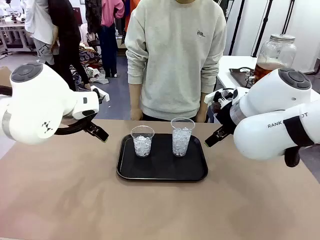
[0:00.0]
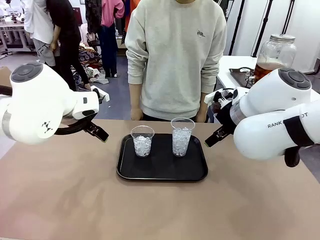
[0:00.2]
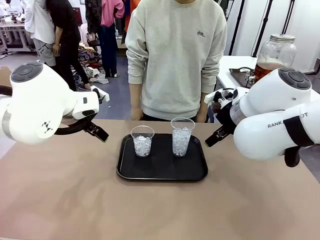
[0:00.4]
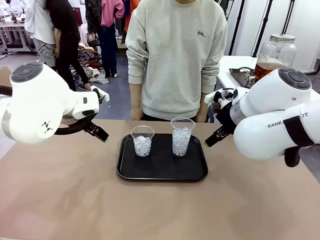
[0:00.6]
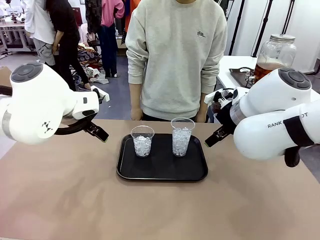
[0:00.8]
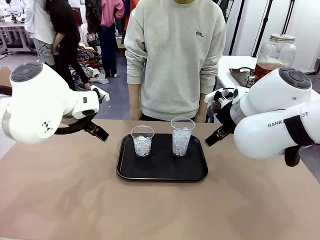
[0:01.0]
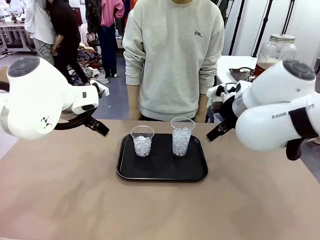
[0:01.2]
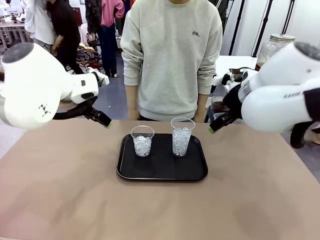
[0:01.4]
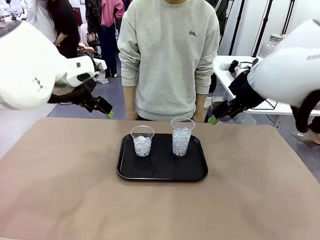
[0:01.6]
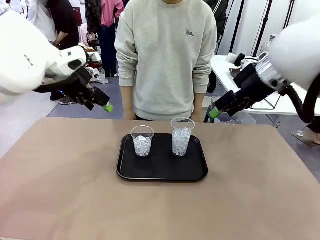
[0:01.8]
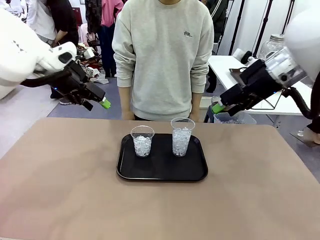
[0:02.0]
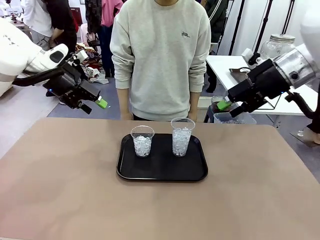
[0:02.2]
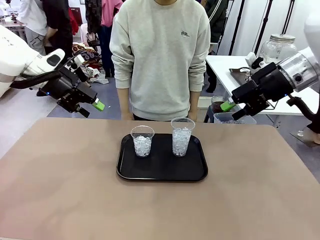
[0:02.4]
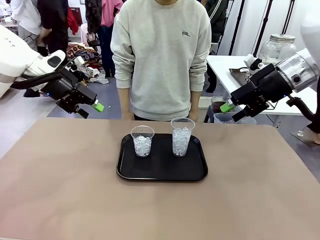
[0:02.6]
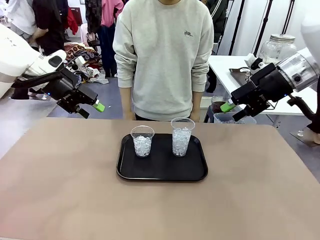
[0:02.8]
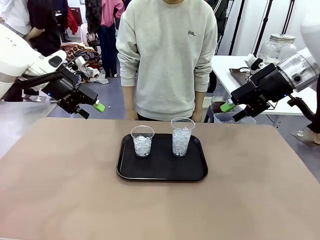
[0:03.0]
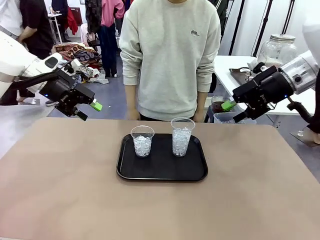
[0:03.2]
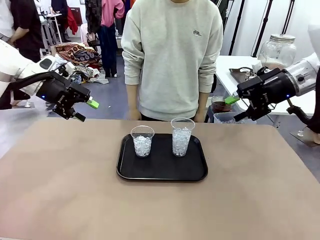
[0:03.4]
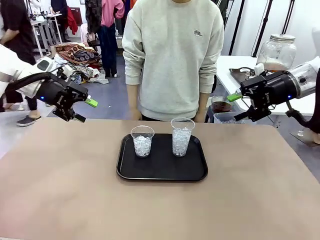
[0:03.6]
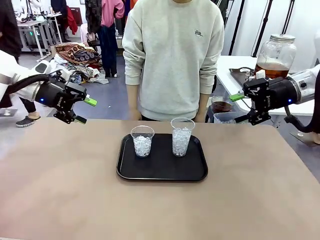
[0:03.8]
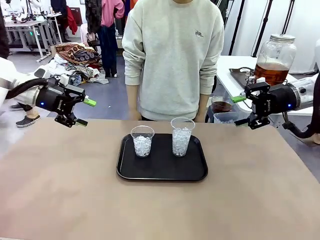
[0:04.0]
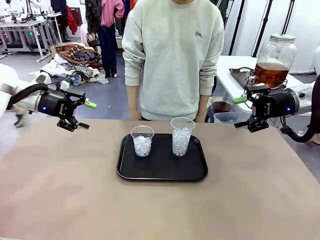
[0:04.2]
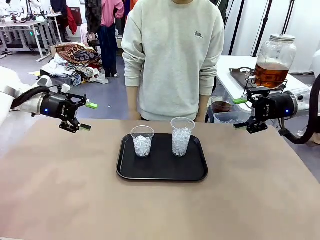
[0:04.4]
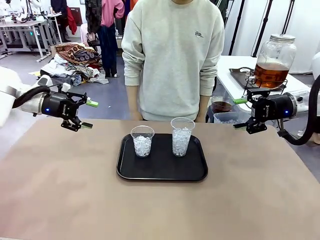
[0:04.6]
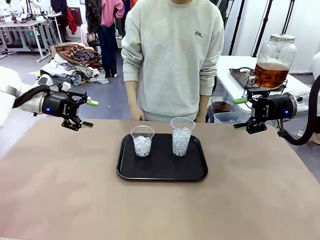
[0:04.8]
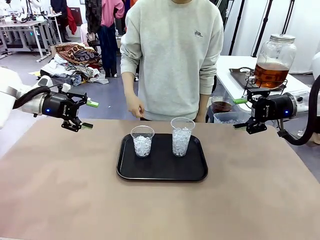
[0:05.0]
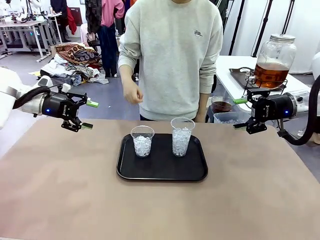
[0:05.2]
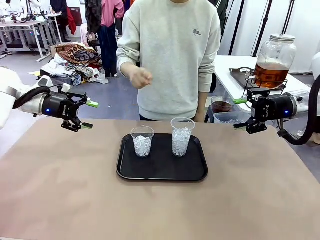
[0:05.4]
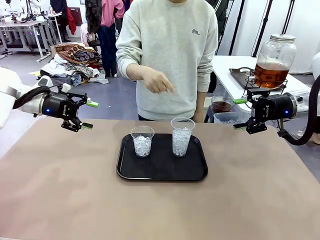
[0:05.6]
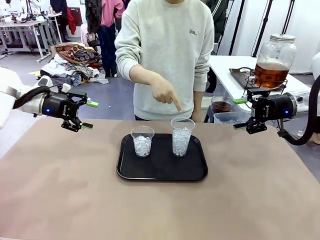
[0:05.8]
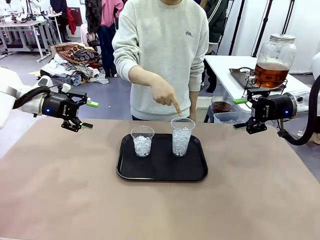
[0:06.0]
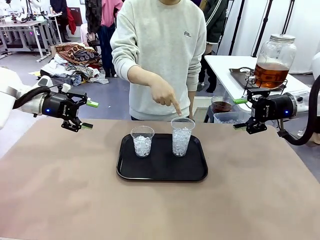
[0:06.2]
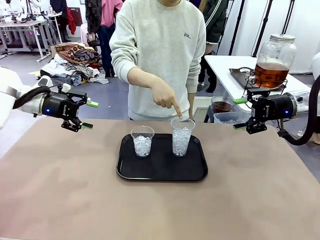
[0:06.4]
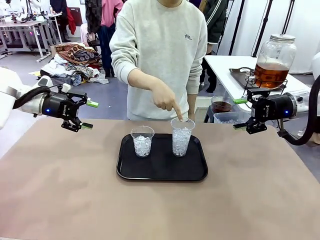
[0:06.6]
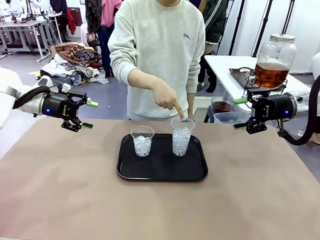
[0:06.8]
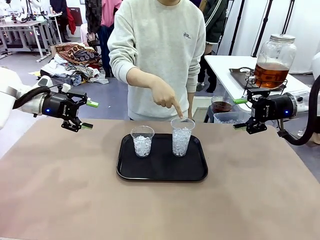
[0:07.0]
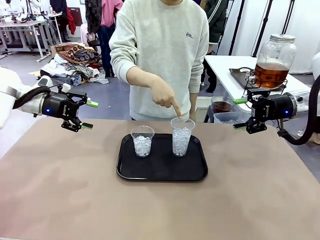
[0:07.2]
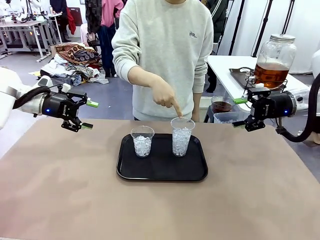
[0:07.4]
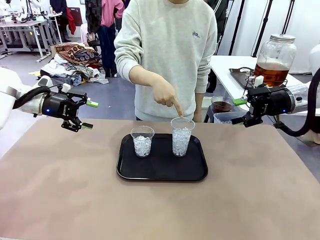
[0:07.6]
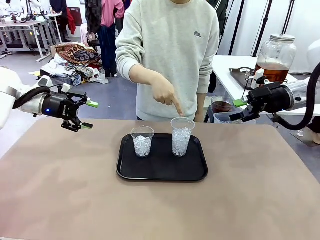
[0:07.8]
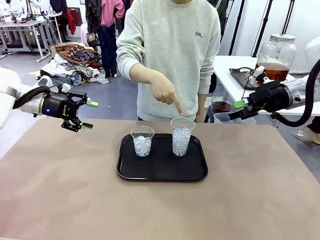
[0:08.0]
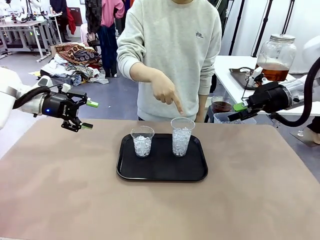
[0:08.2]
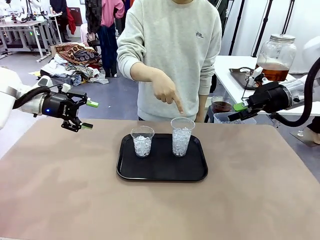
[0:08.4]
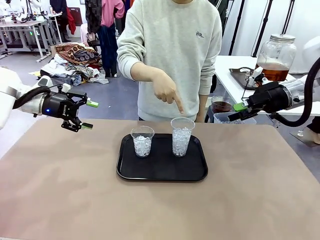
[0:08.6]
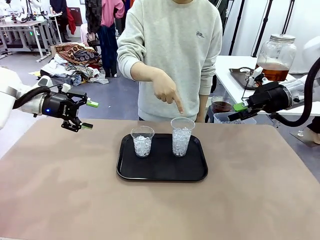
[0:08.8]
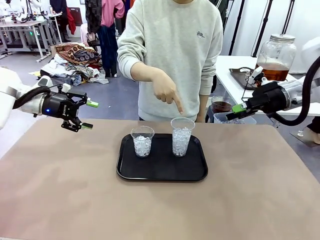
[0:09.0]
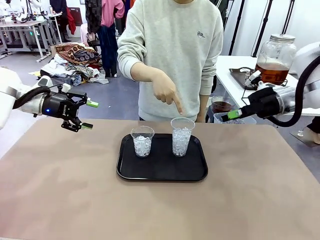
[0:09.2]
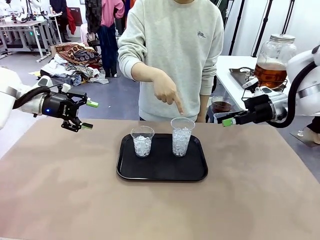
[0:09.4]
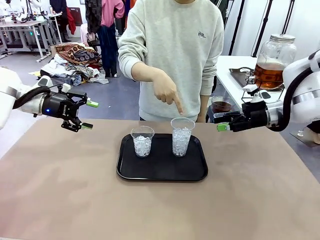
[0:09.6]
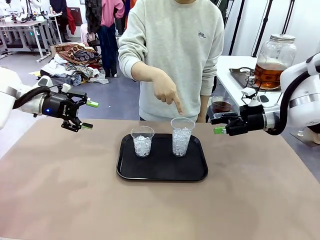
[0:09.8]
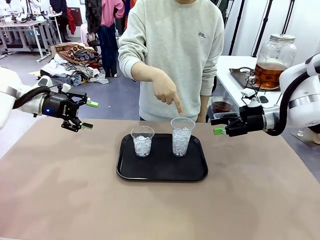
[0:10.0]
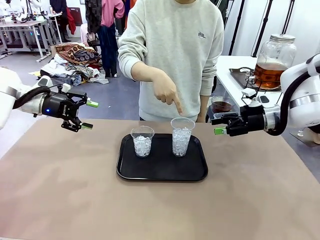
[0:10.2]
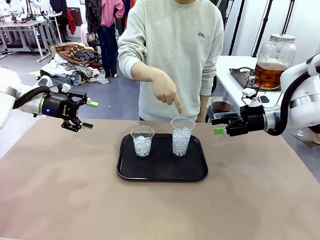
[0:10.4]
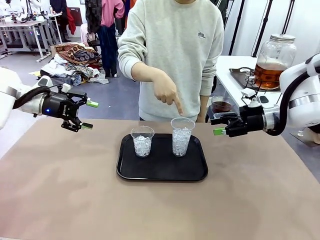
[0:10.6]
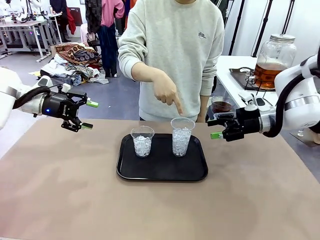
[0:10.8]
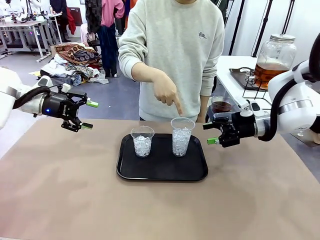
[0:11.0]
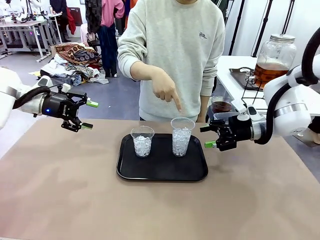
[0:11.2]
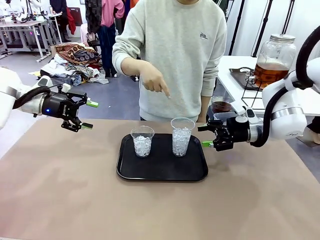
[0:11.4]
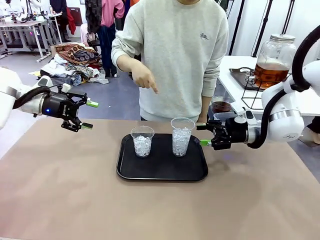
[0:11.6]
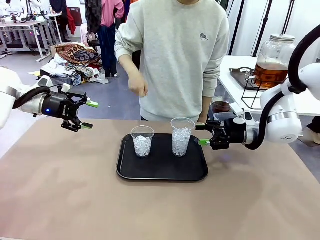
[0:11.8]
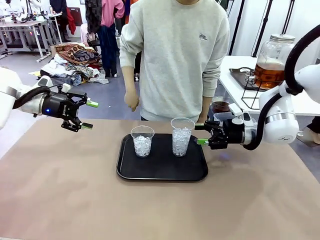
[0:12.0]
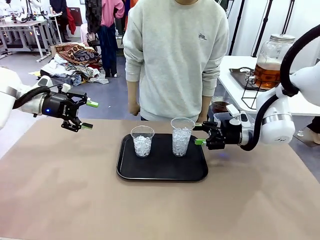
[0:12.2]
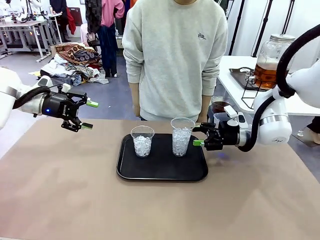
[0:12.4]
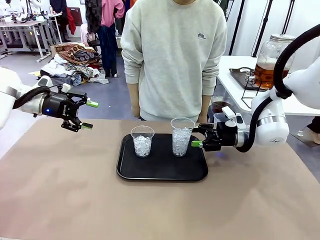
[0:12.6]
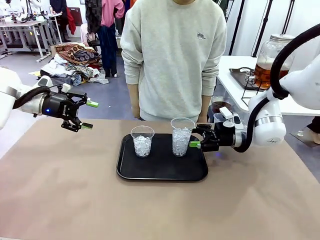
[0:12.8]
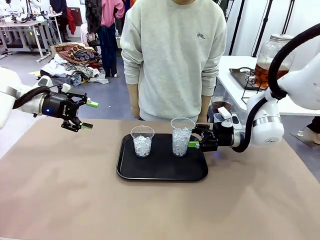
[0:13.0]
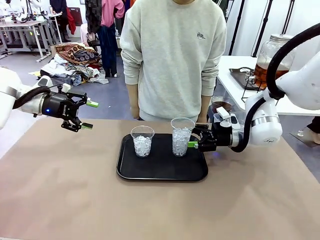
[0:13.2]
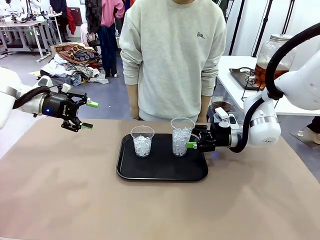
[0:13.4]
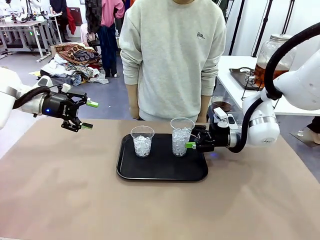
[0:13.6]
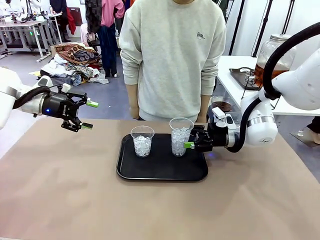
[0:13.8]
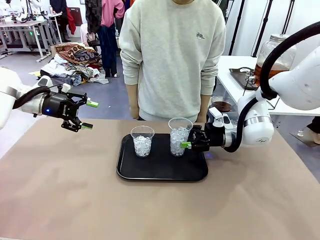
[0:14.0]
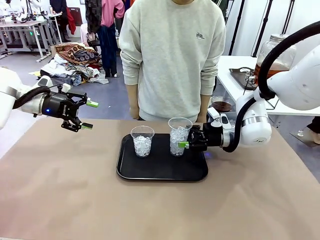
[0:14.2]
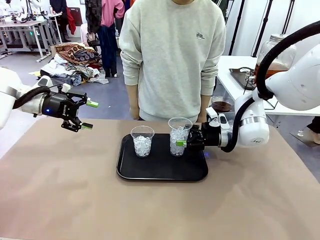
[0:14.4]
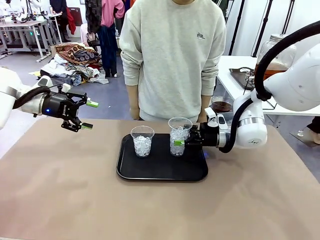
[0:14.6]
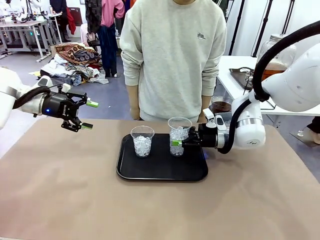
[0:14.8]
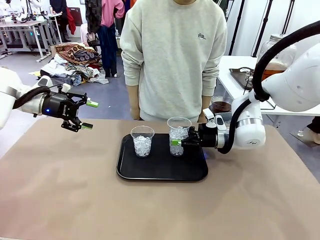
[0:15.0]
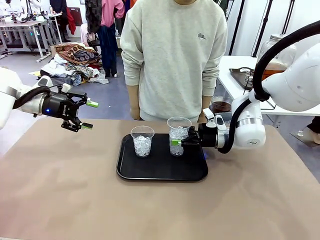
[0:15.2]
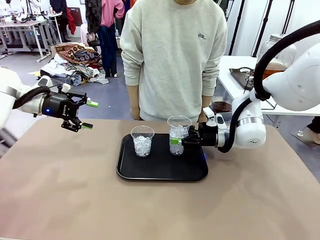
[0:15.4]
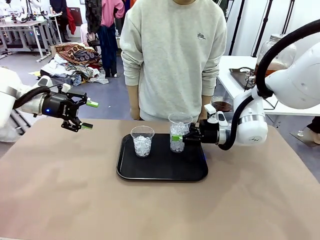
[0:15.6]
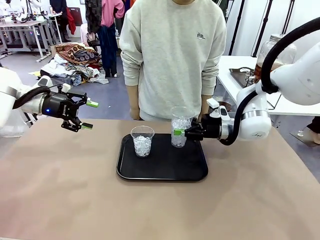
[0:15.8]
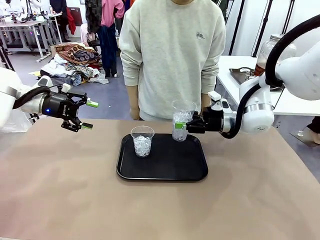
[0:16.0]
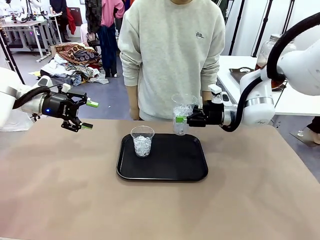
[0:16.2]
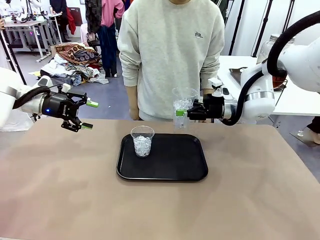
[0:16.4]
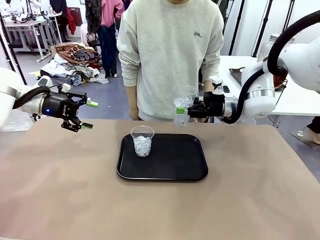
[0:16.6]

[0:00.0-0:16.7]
Task: Pour the drink into the iced cup.
Robot: Pick up the iced cup indicated by the human and present it to them.
Person: Point to one of the two ice cups. Pick up the cup offered by the robot.

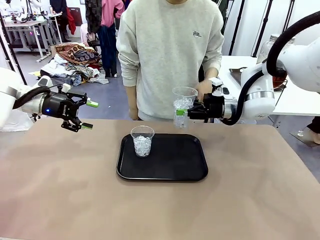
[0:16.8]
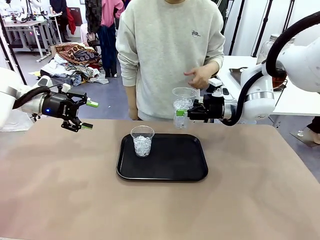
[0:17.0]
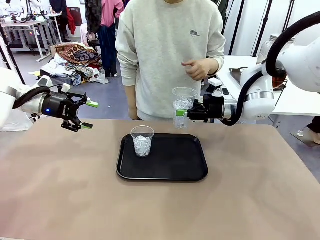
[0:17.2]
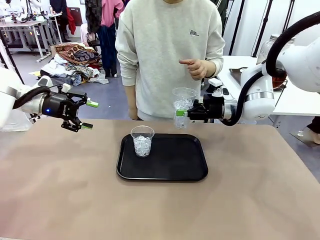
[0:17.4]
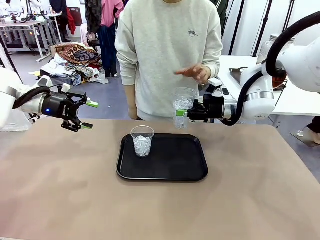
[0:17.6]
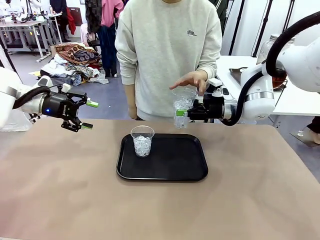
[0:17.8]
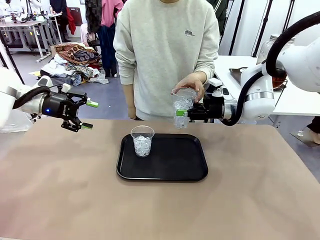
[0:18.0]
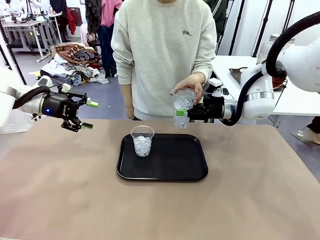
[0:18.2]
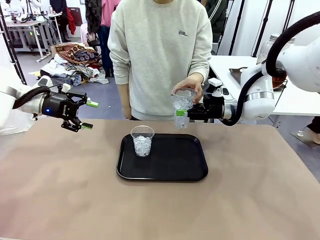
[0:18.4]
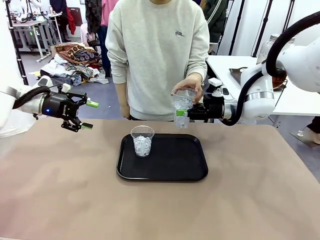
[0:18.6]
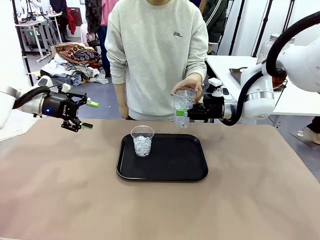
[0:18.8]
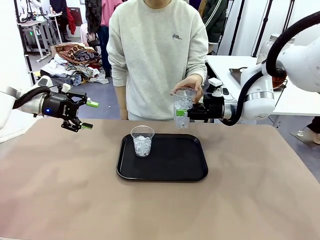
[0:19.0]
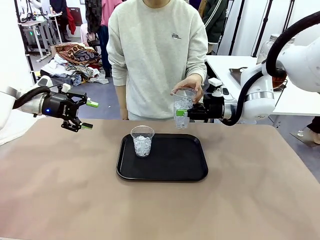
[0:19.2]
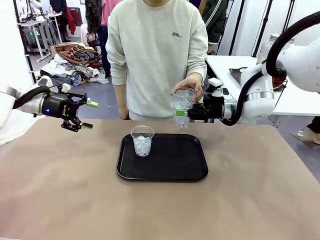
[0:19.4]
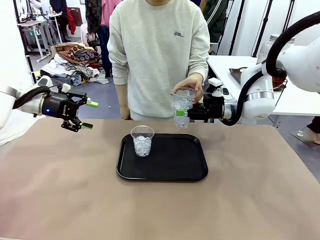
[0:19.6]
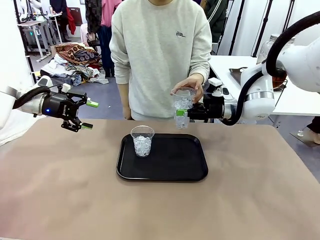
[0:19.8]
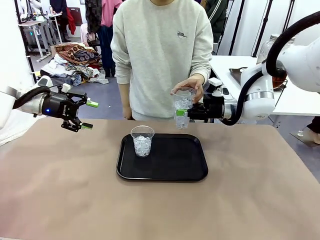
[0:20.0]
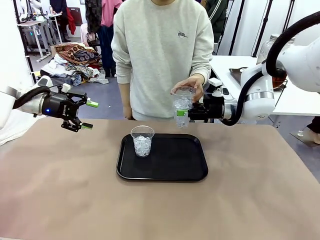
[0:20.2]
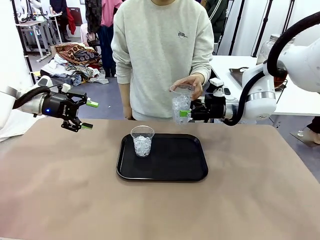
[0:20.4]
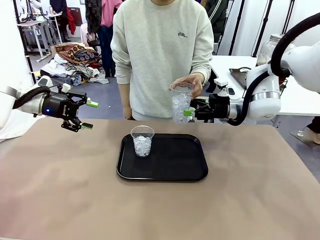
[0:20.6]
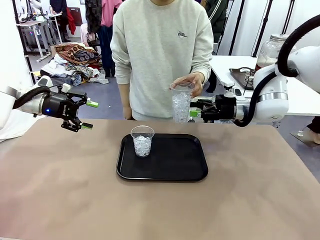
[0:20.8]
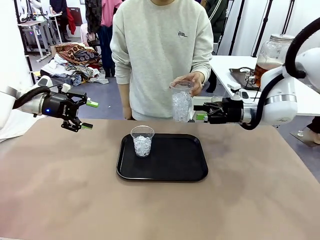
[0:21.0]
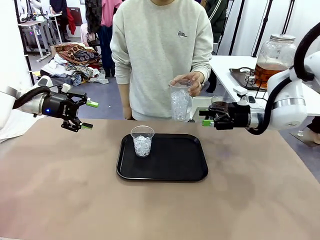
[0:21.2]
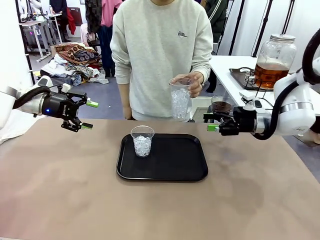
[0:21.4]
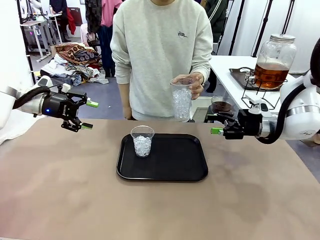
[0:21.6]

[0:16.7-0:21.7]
Robot: Open the gripper to release the iced cup you were holding.
